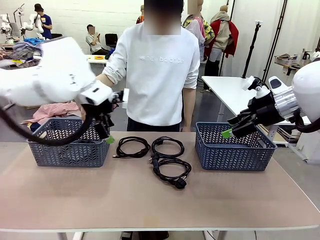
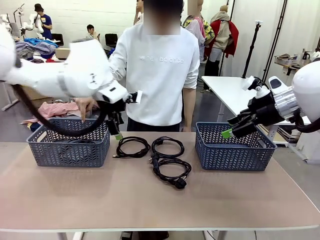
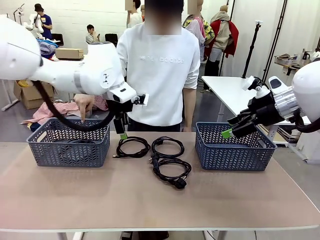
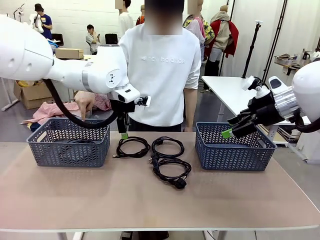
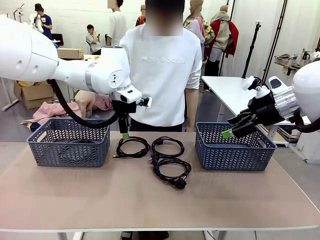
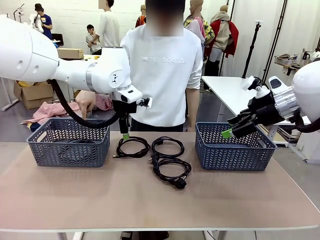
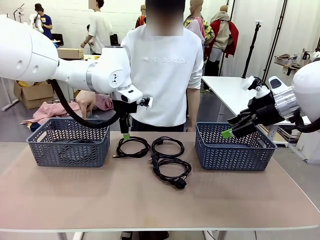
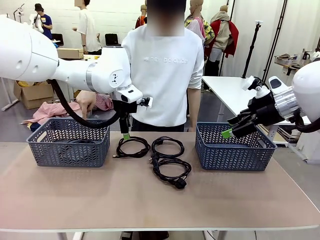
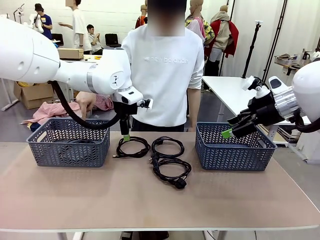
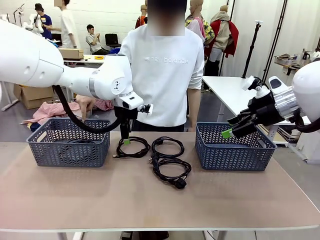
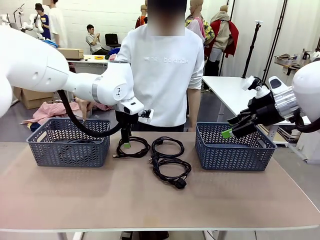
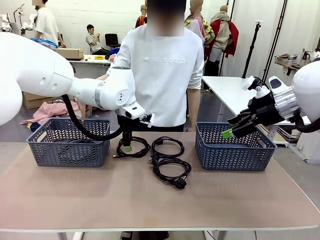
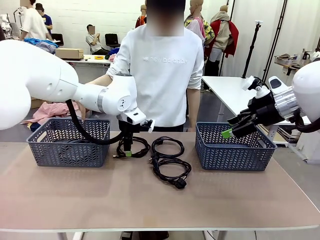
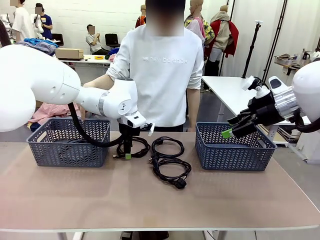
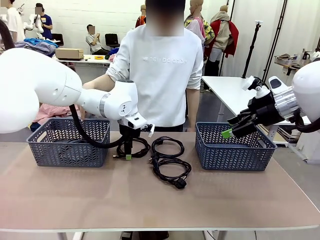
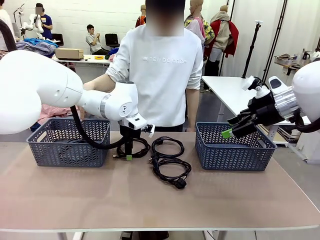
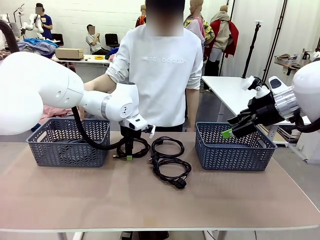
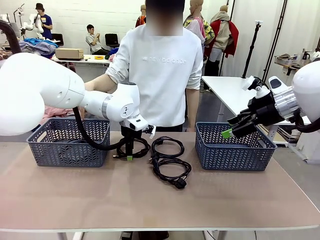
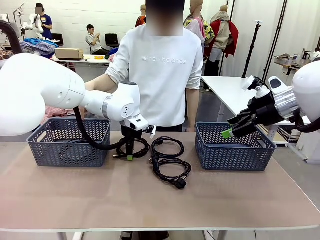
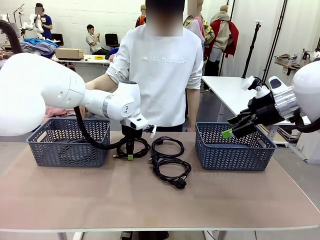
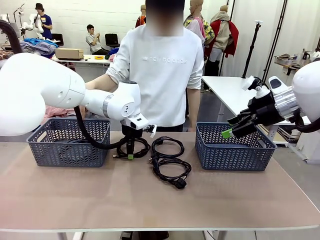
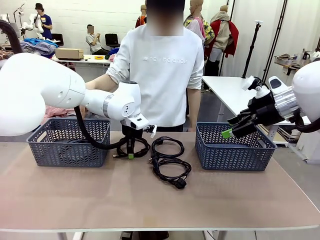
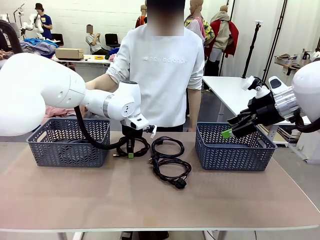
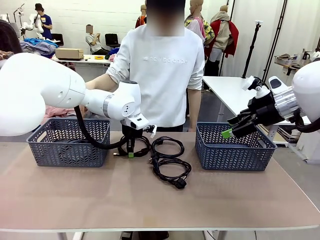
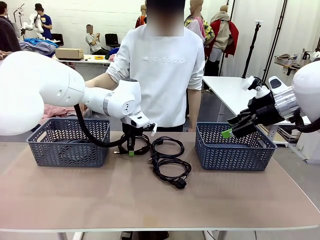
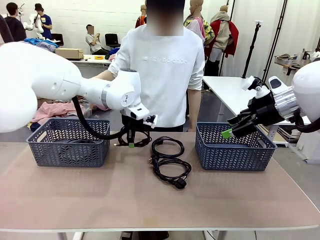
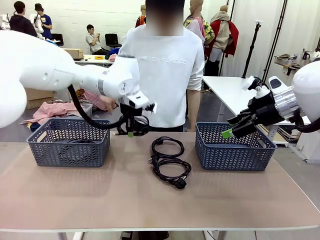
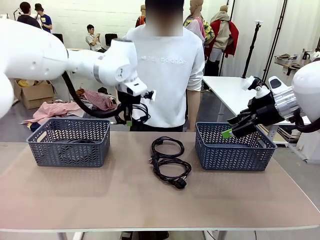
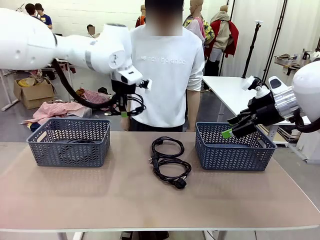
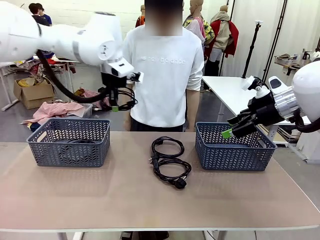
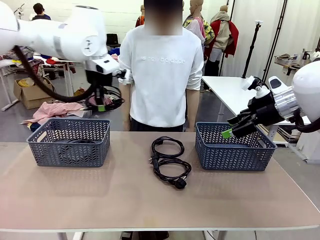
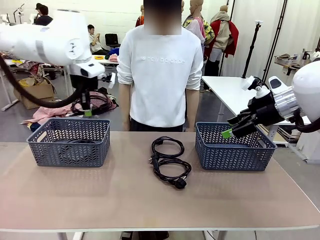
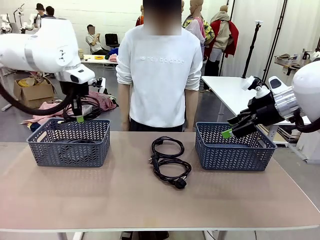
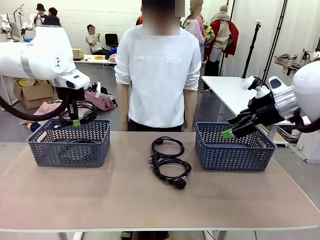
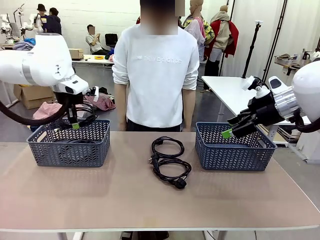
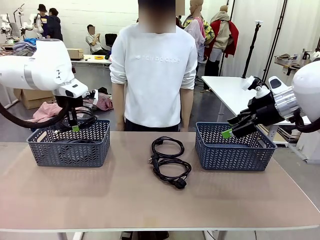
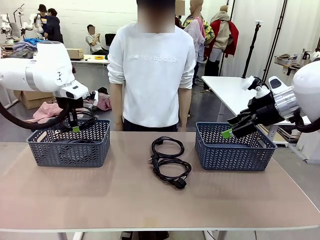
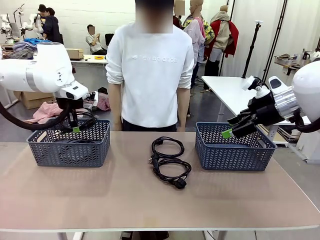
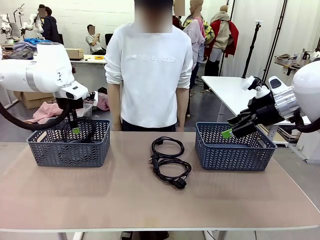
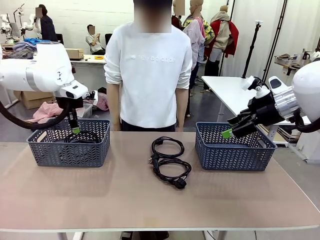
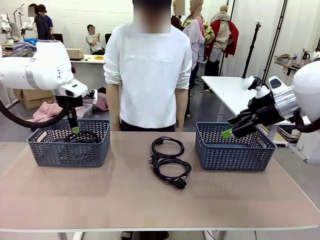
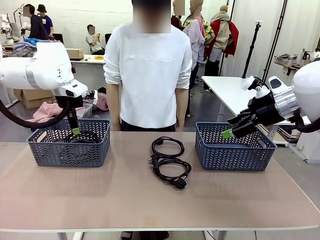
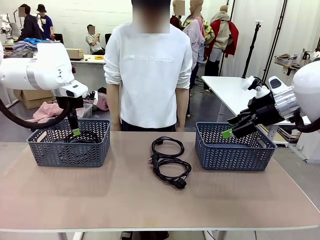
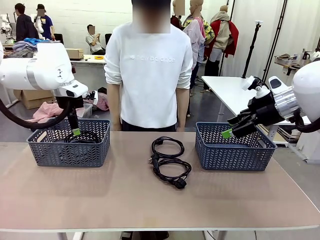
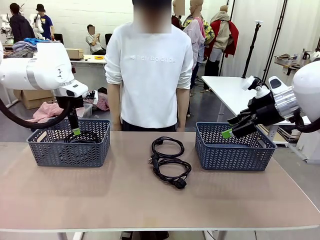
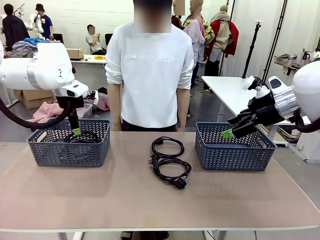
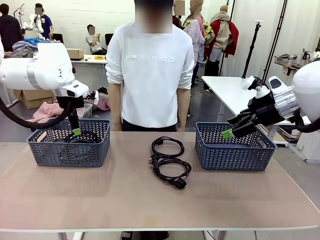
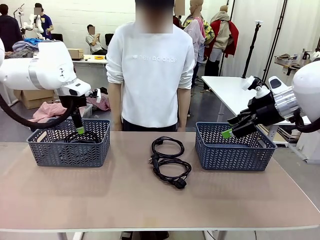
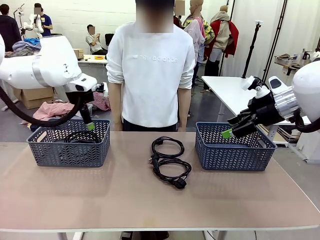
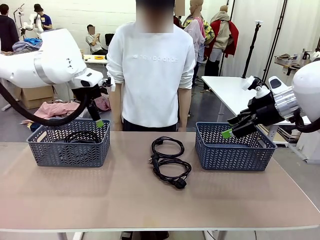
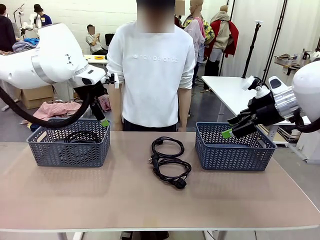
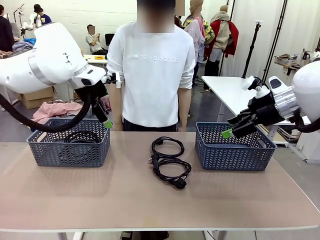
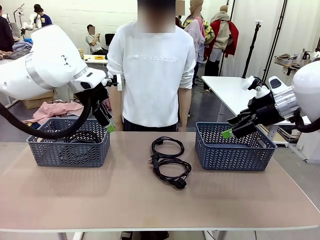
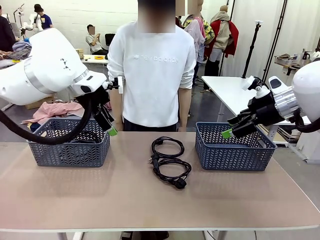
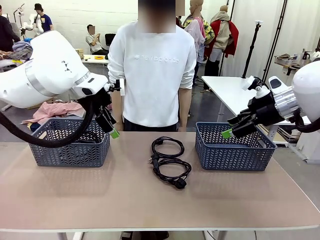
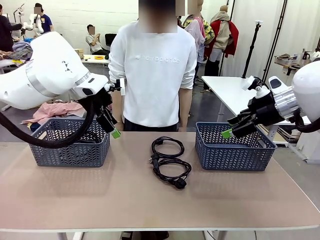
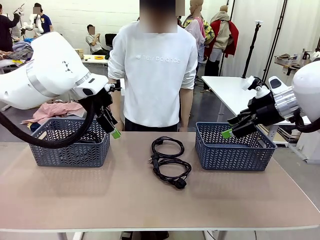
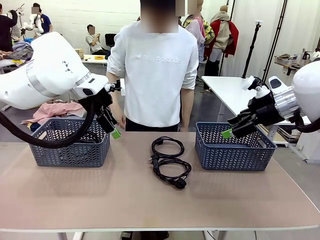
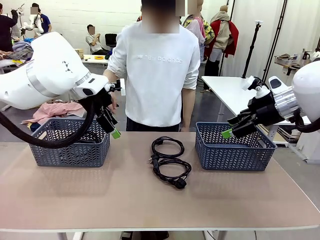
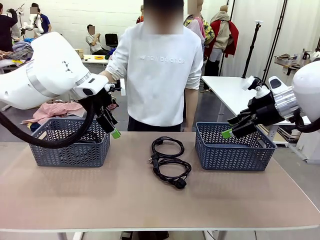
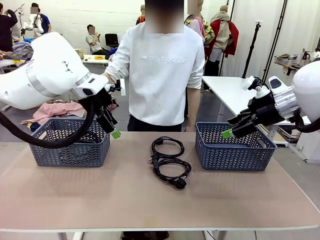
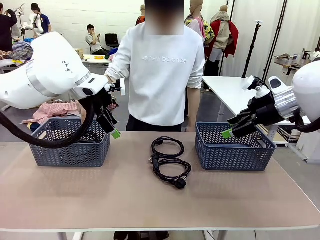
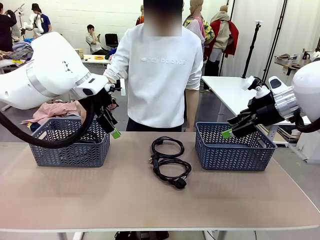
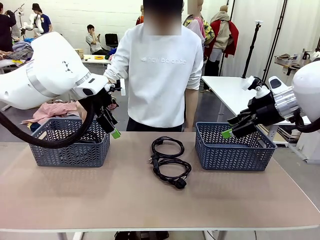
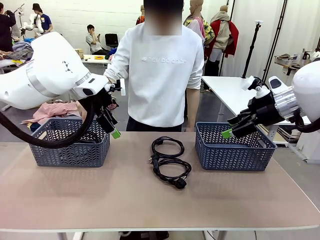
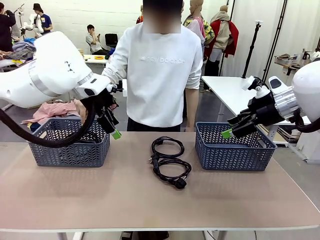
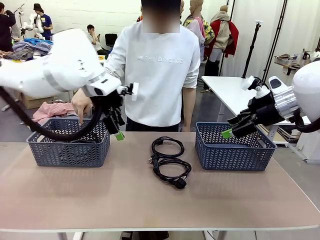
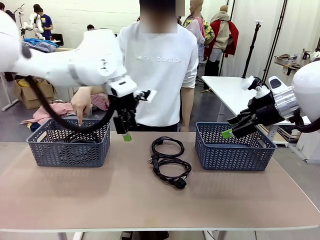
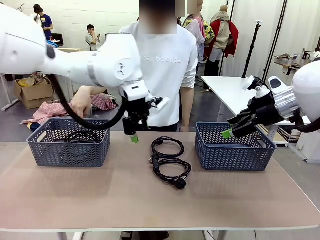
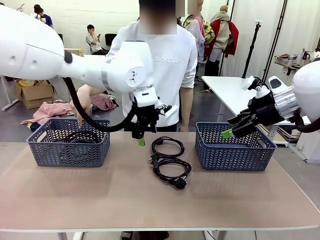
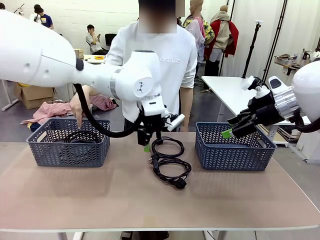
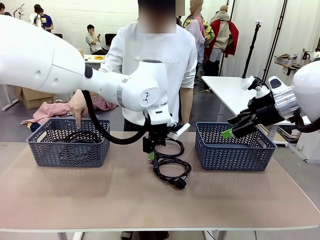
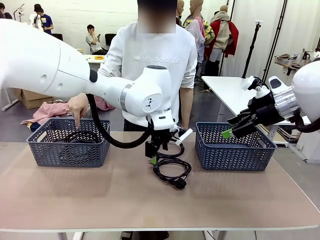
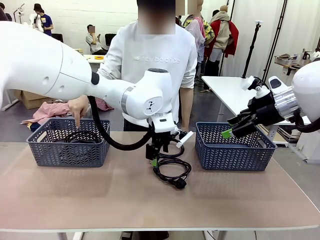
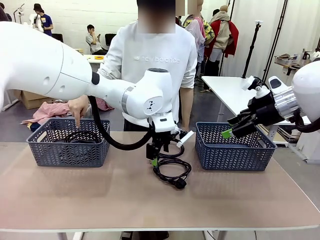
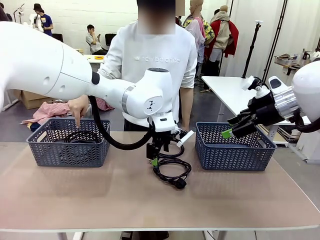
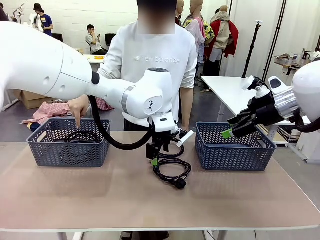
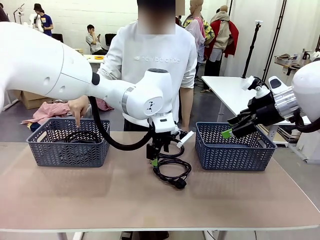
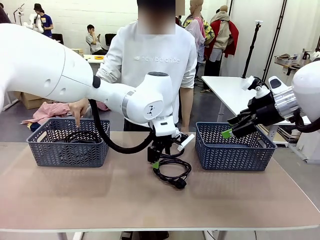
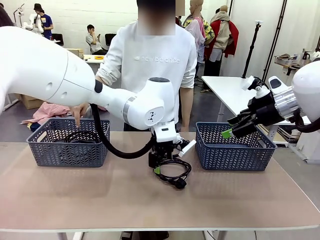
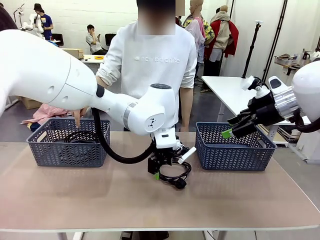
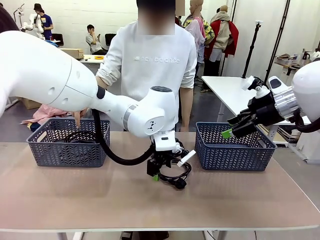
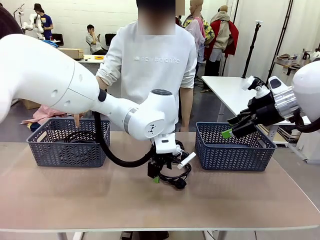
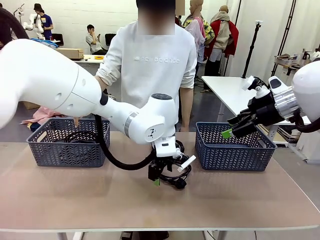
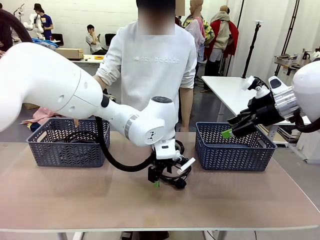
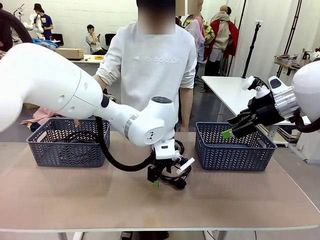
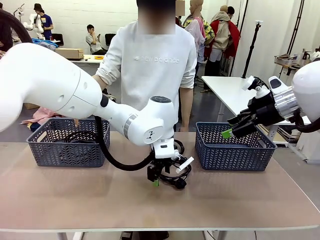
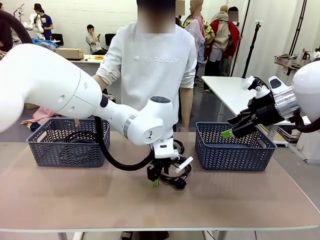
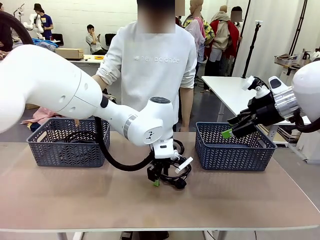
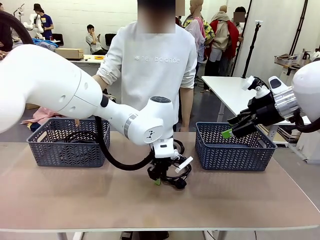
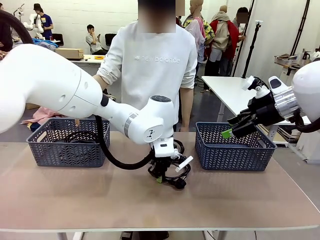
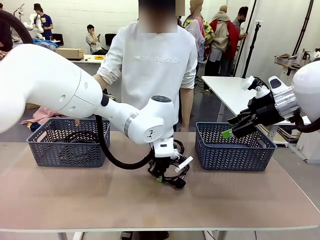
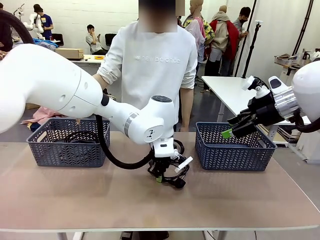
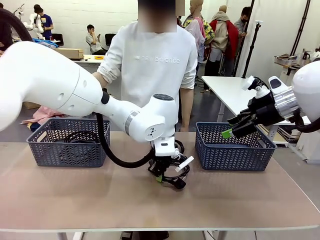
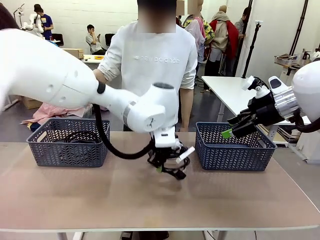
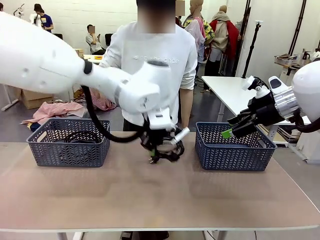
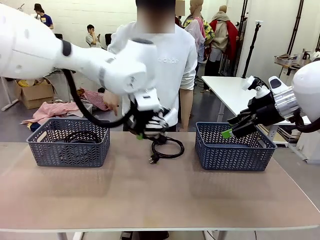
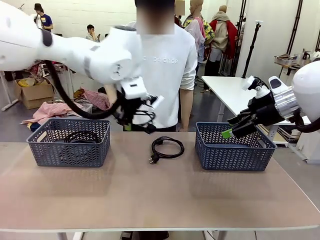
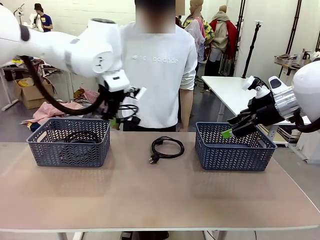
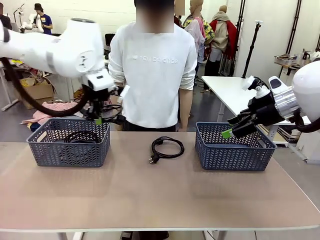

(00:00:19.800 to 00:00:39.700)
Task: Organize the cables according to human instructions.
Robot: Pick up a bundle of cables and place it in the basket indicated by the human.
